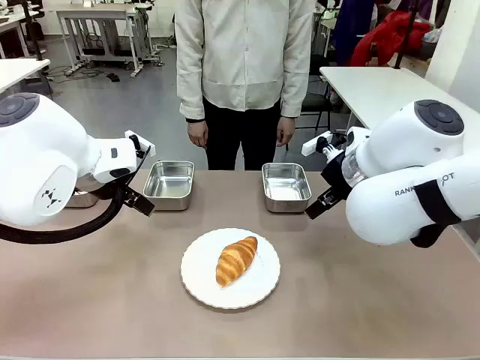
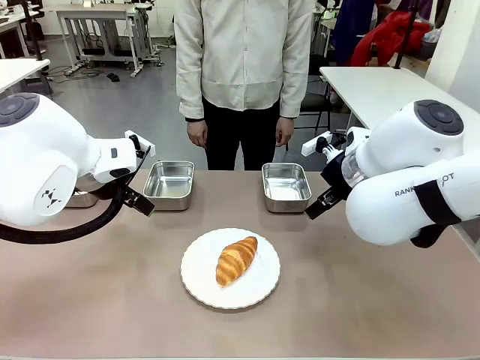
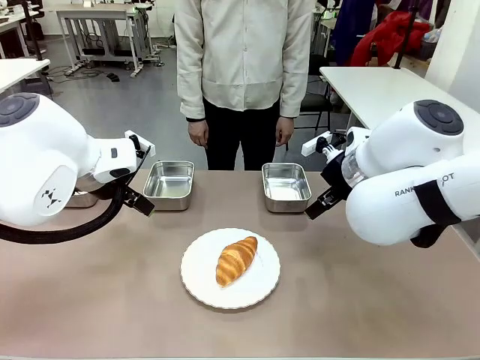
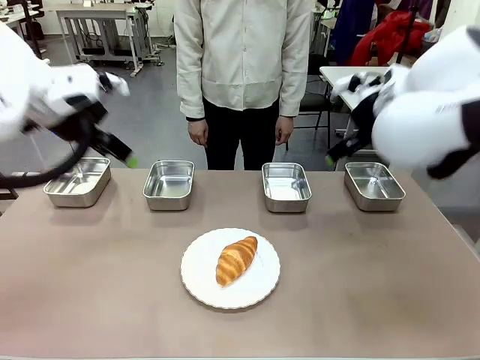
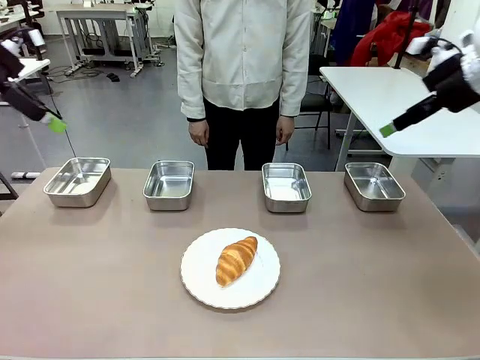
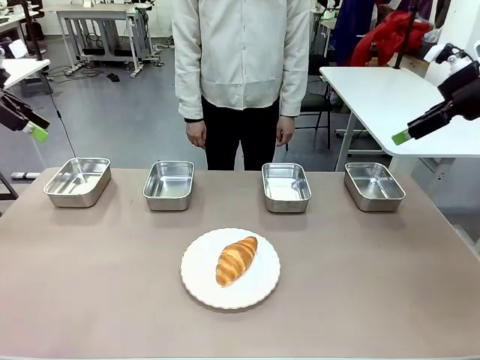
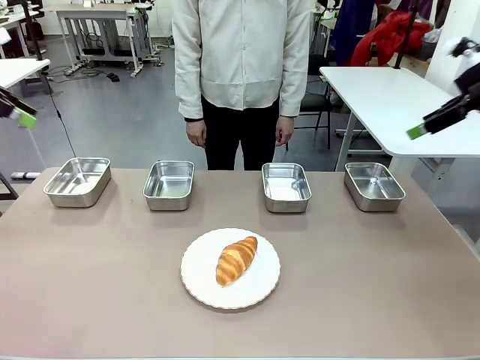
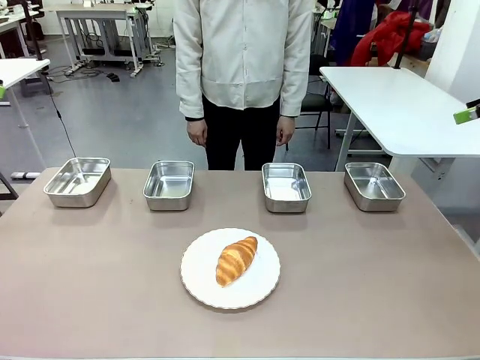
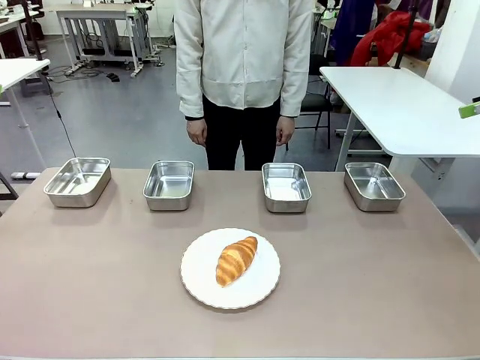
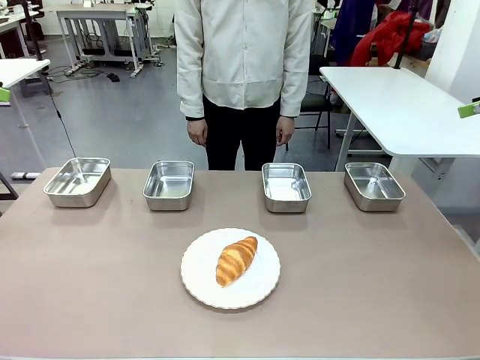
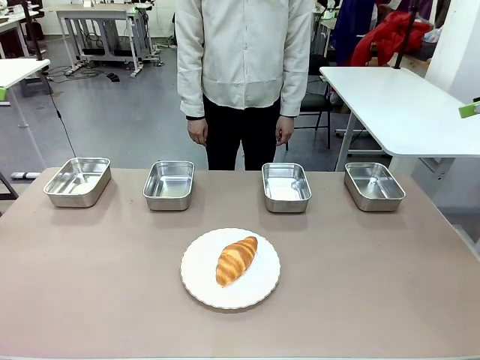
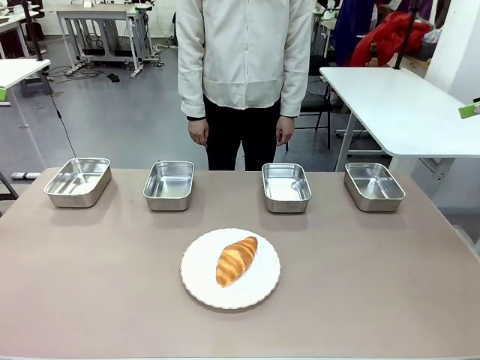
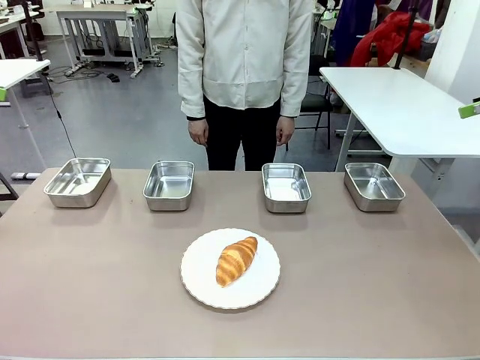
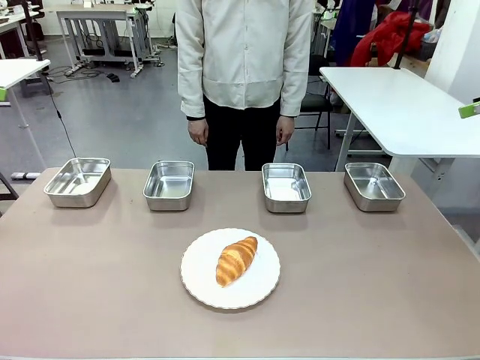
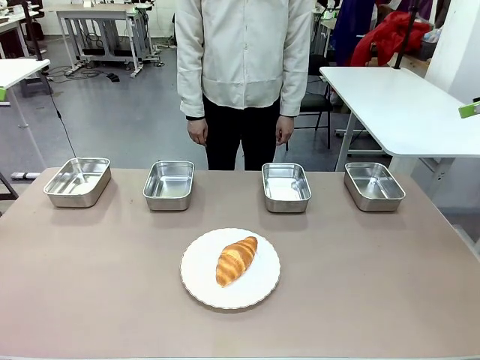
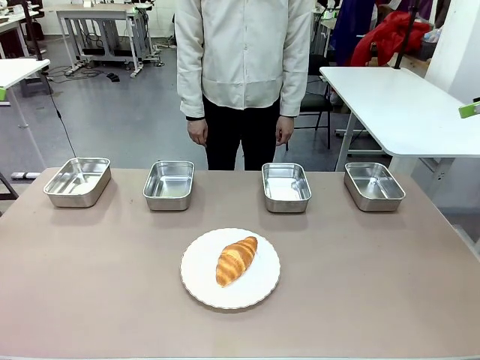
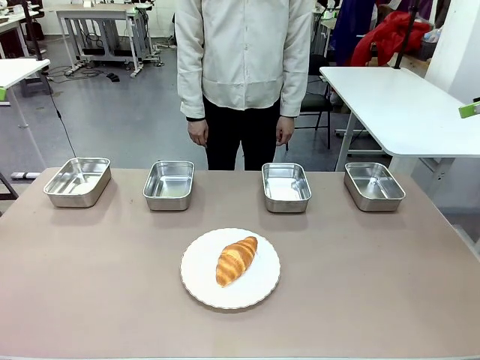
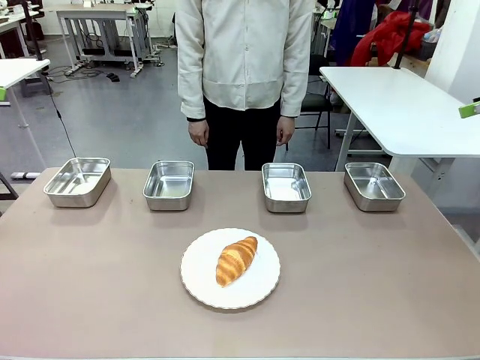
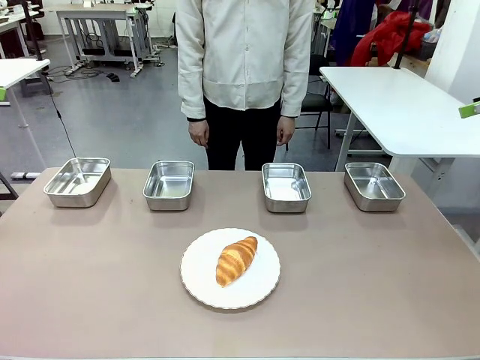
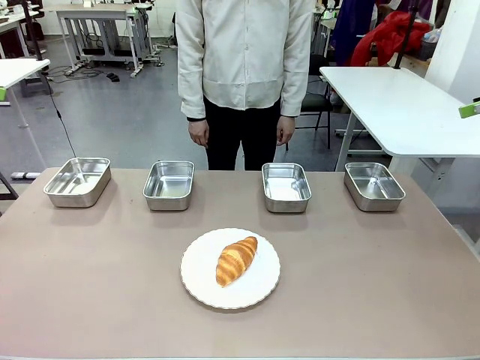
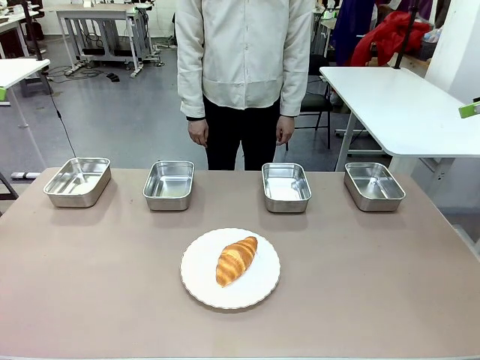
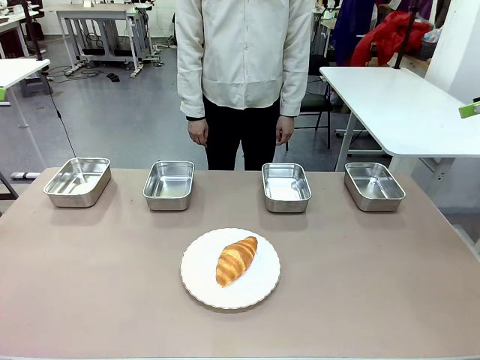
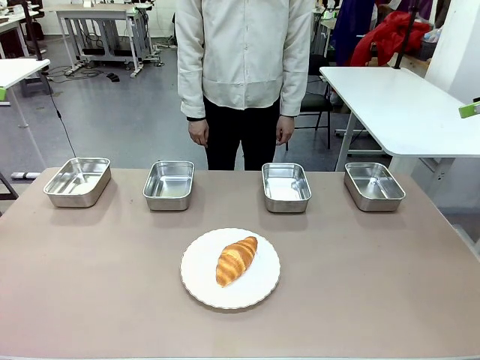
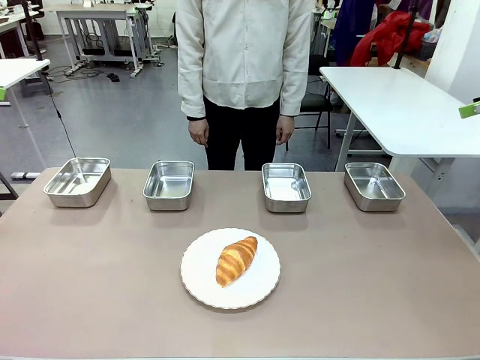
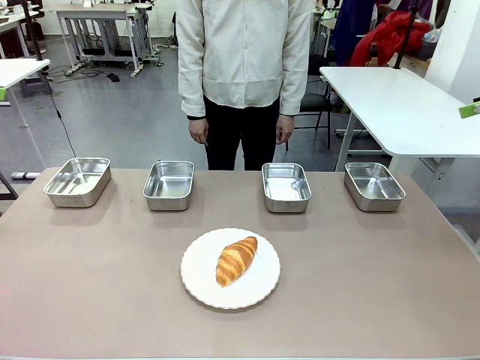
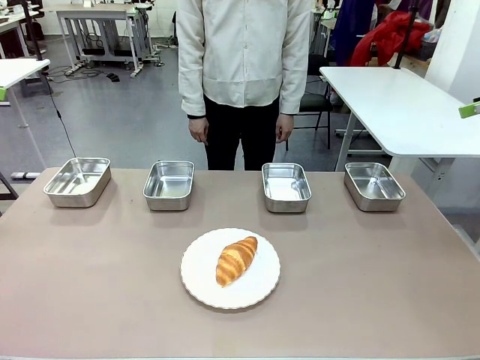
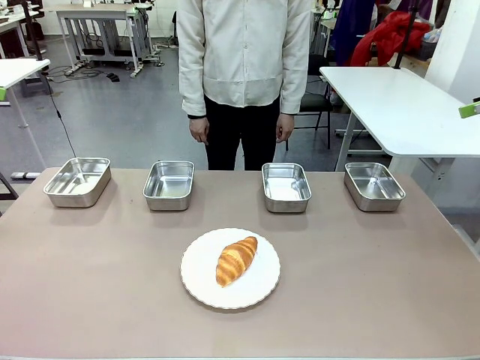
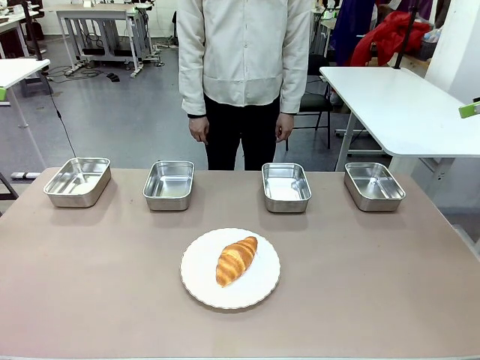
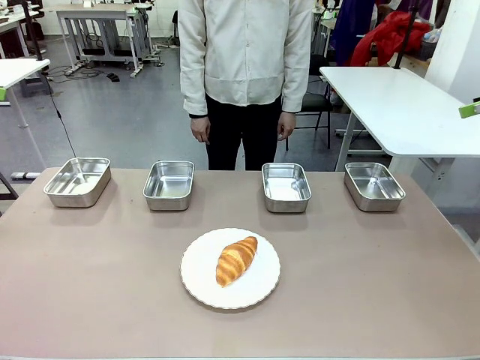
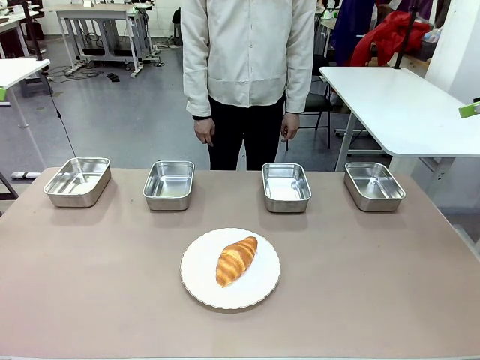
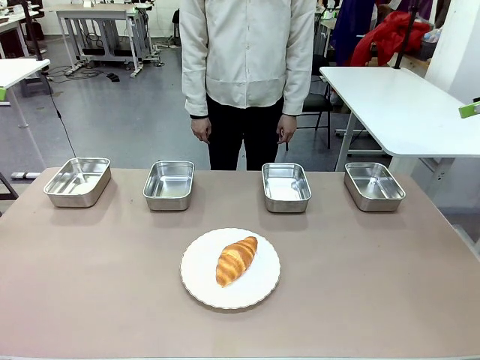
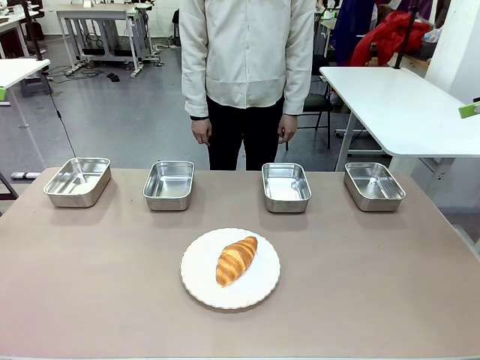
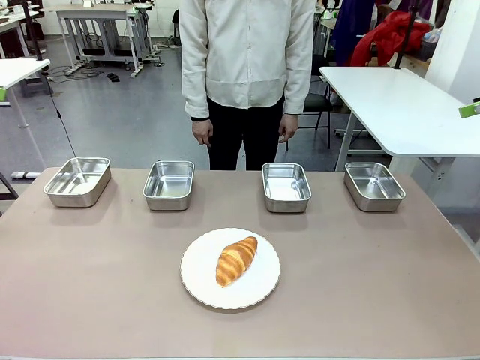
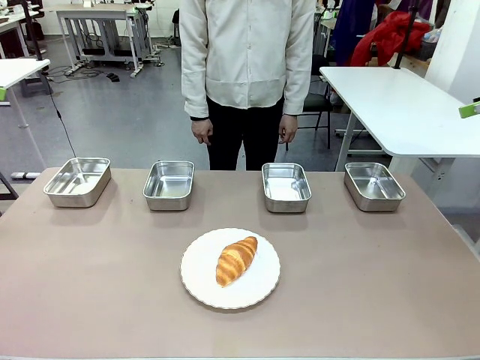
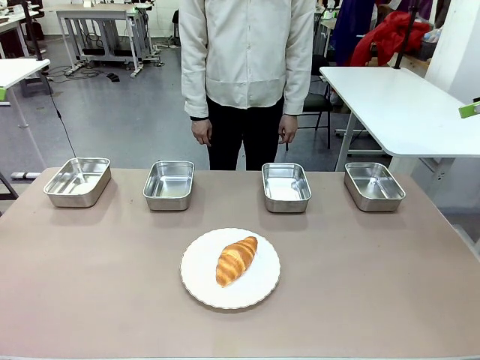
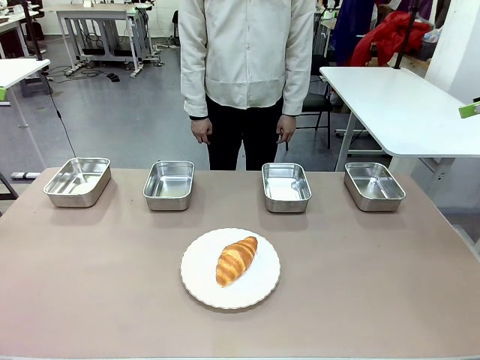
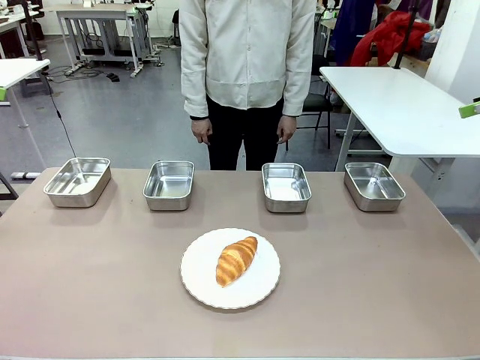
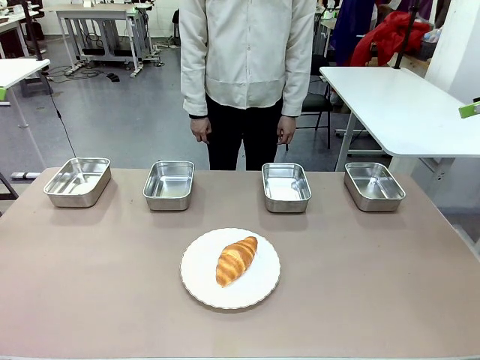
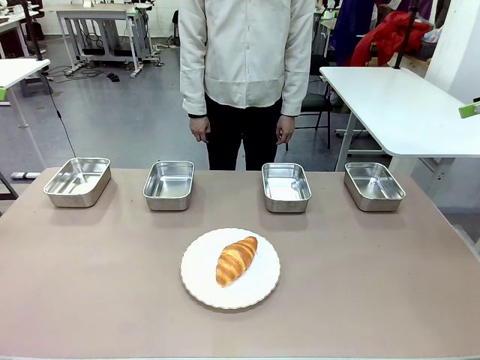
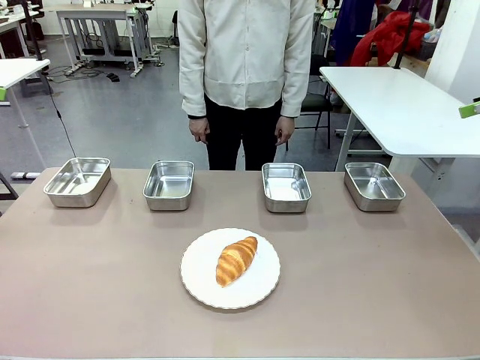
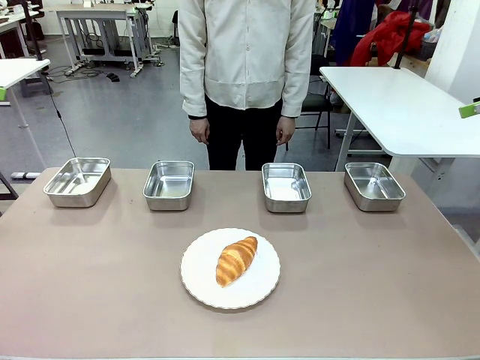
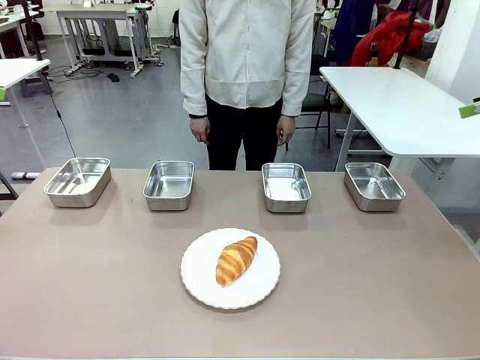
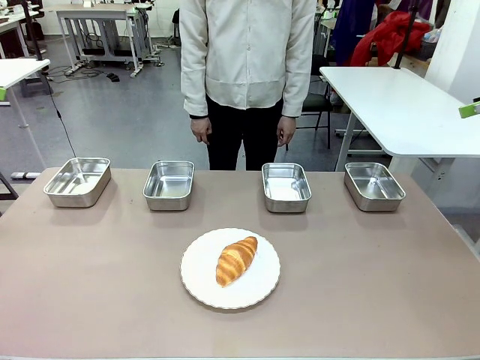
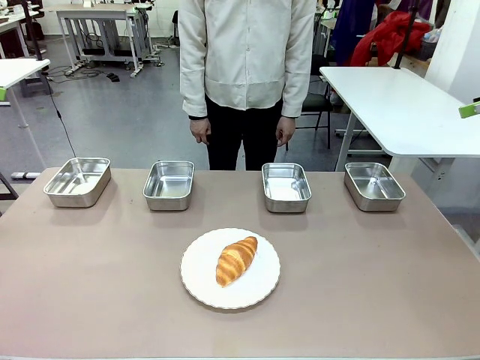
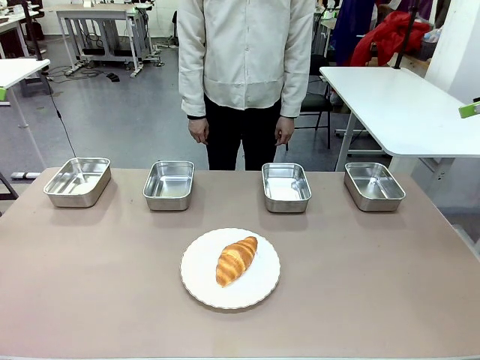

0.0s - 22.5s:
Task: Place the bread in the container.
Robot: Place the Butter Roll into the Airtight Container indicated by the human.

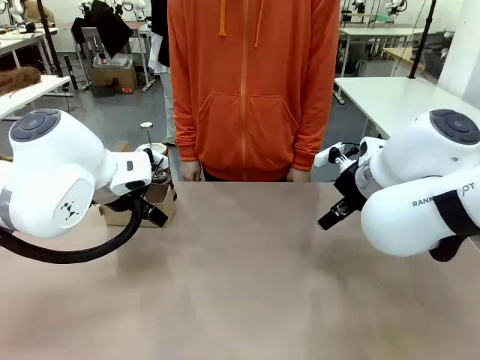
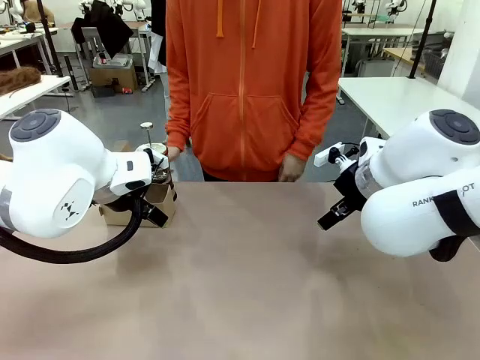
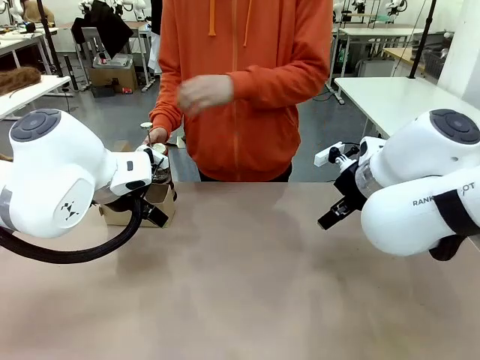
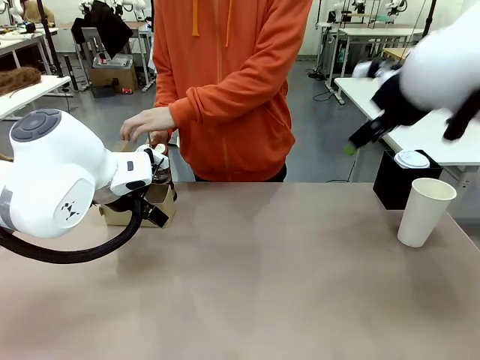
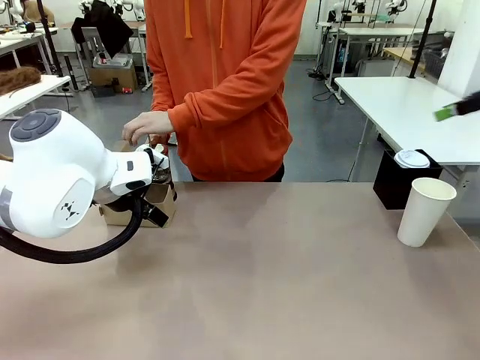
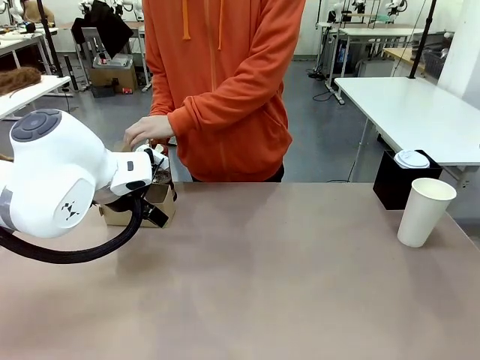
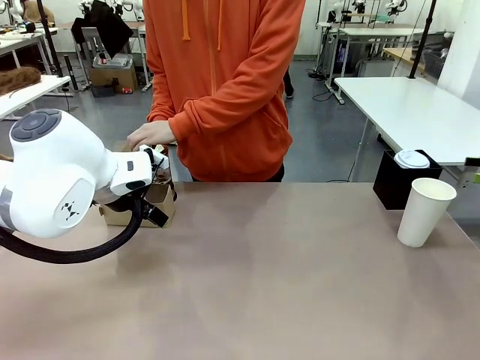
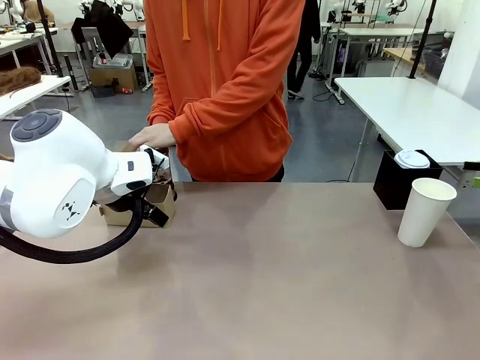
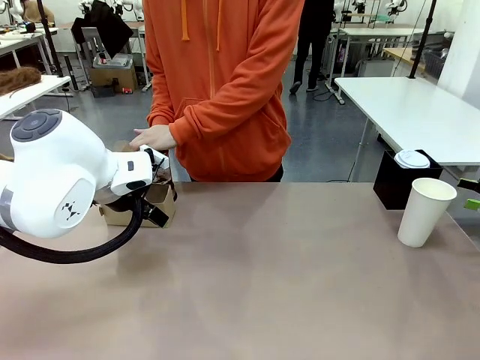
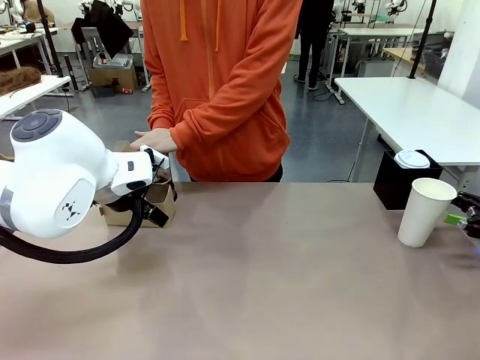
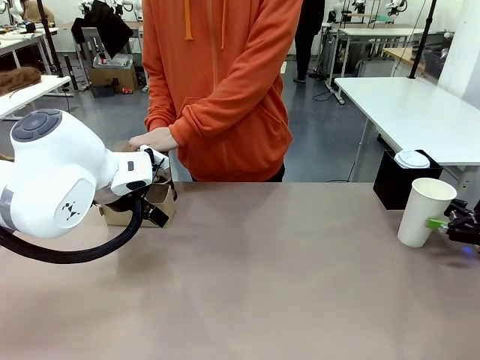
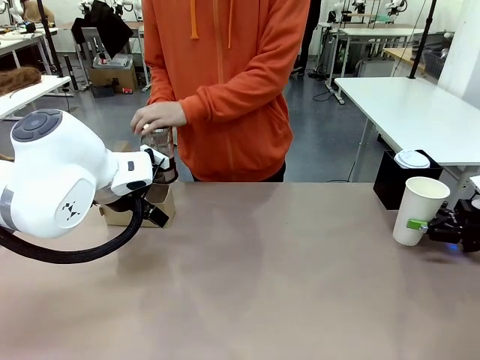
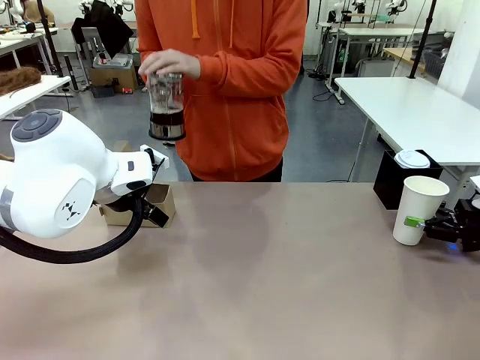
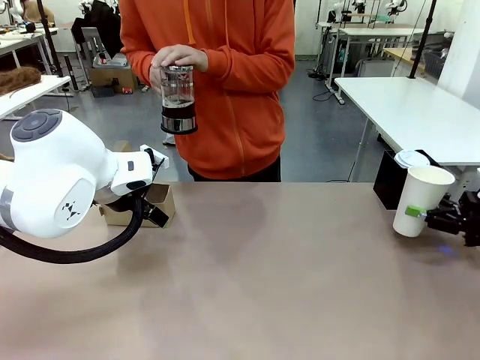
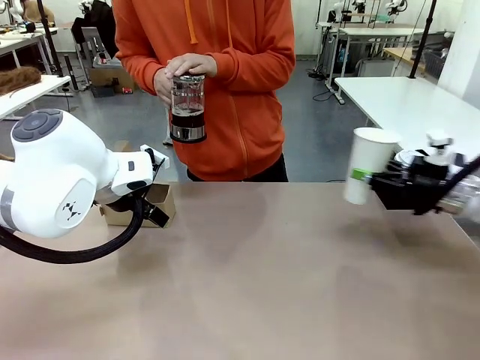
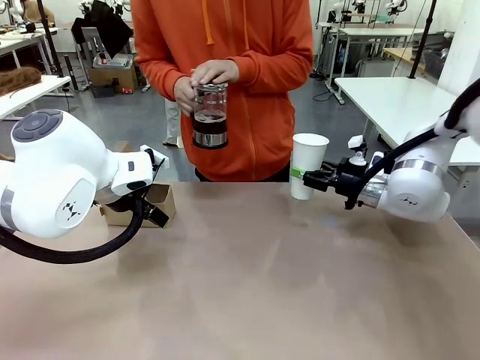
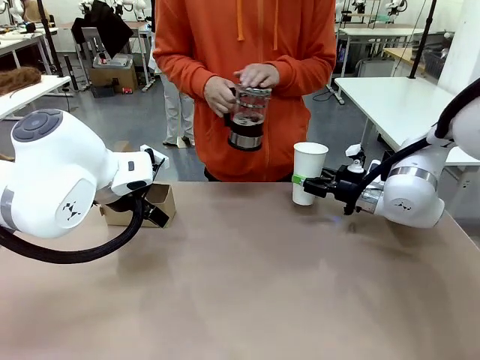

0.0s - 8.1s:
Task: Pour a drink into a cup and package it in a carrier.
Robot: Pick up the 600 ml Paper Cup and place it in the middle top area of the table.
Person: Press and pick up the Filter Brewing.
